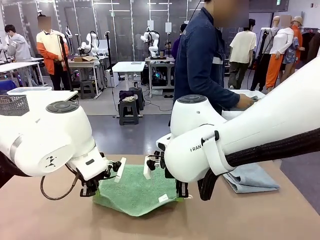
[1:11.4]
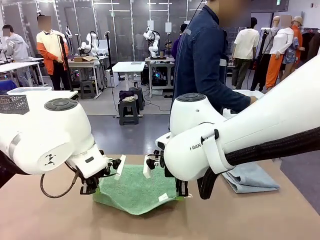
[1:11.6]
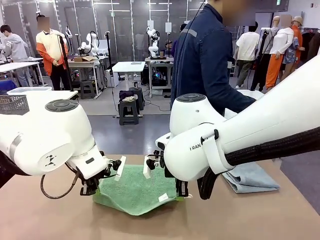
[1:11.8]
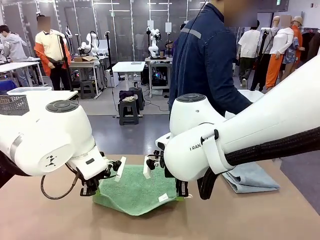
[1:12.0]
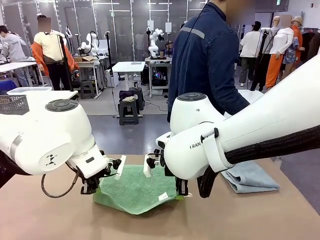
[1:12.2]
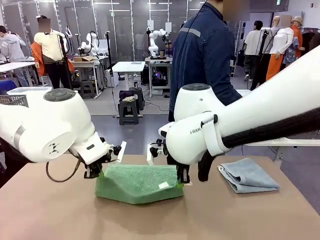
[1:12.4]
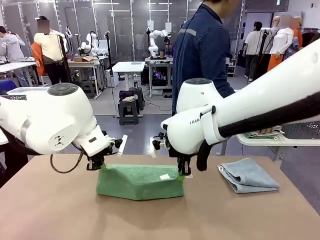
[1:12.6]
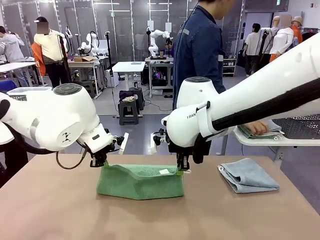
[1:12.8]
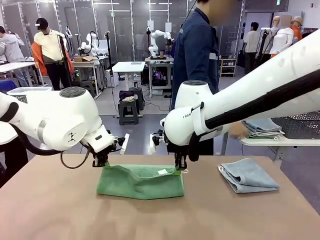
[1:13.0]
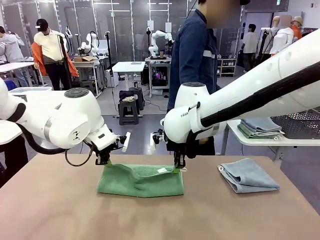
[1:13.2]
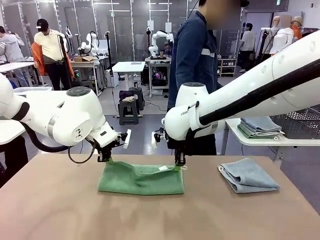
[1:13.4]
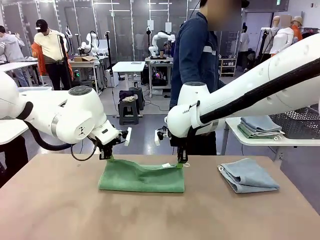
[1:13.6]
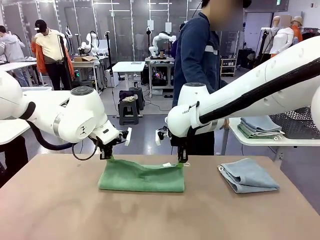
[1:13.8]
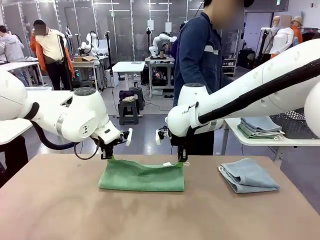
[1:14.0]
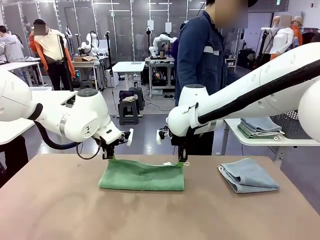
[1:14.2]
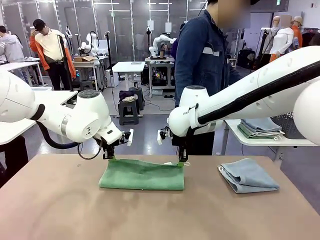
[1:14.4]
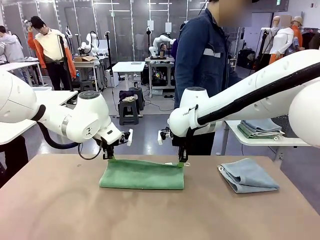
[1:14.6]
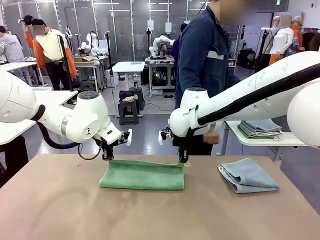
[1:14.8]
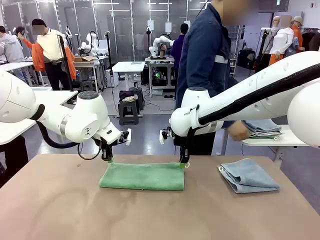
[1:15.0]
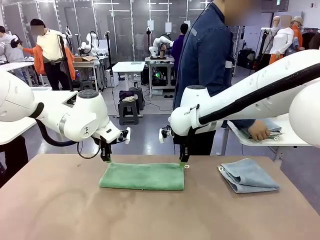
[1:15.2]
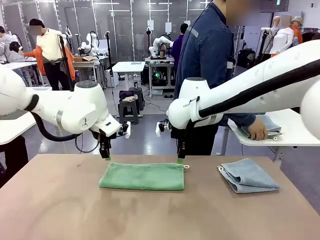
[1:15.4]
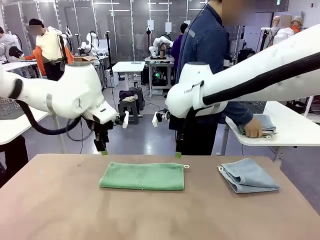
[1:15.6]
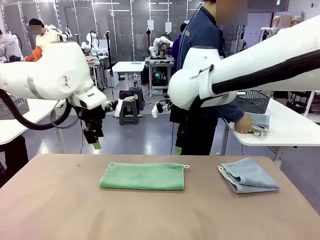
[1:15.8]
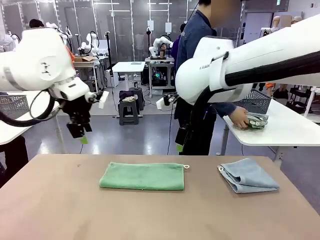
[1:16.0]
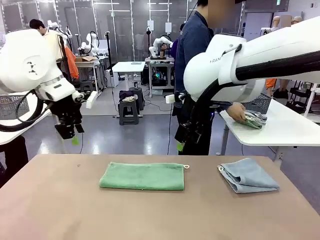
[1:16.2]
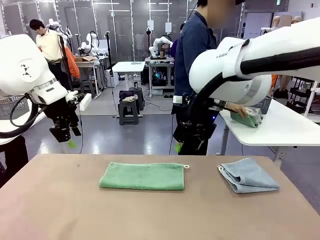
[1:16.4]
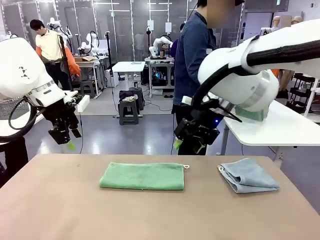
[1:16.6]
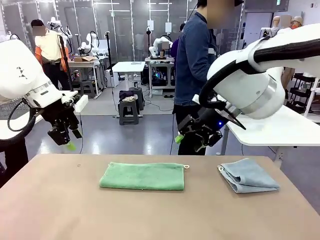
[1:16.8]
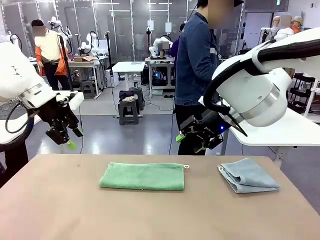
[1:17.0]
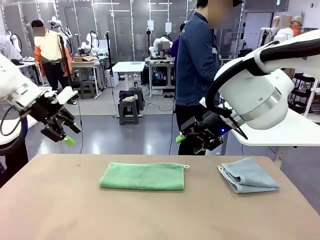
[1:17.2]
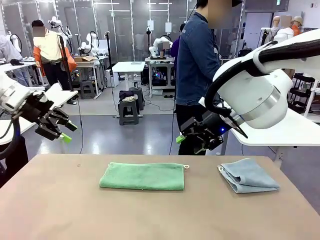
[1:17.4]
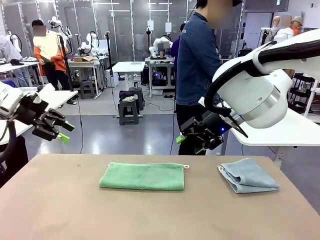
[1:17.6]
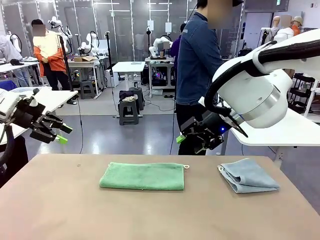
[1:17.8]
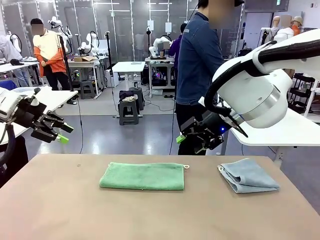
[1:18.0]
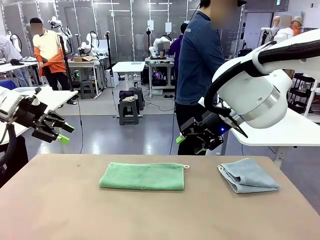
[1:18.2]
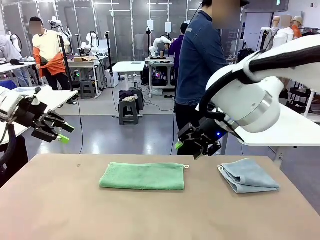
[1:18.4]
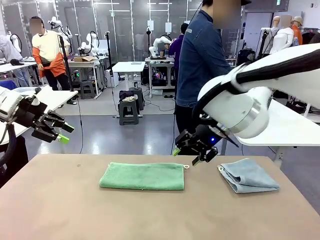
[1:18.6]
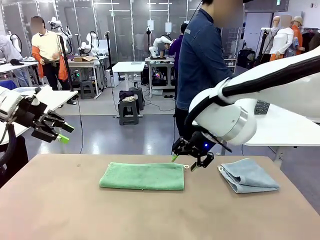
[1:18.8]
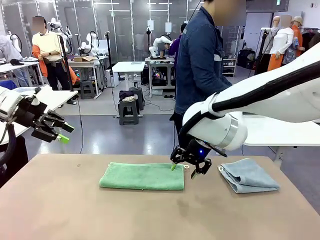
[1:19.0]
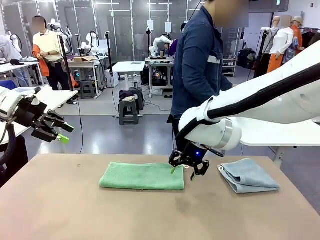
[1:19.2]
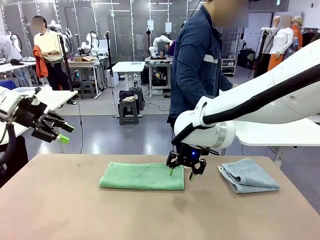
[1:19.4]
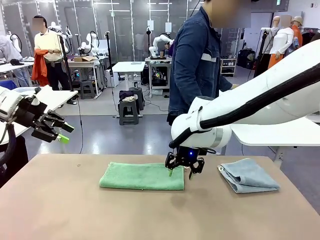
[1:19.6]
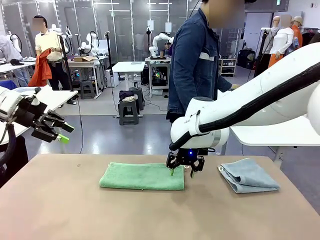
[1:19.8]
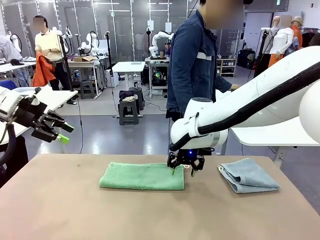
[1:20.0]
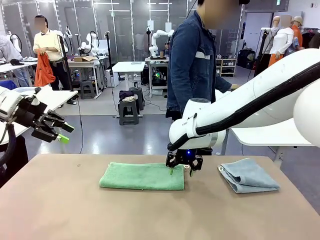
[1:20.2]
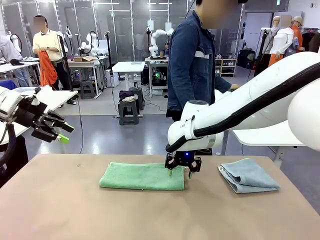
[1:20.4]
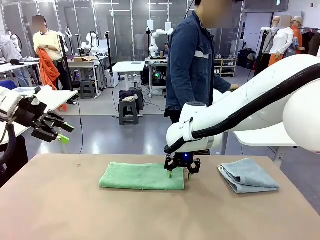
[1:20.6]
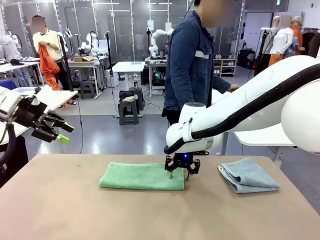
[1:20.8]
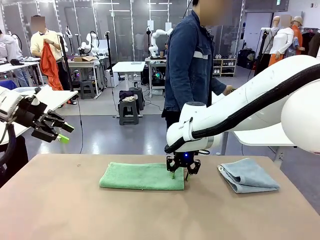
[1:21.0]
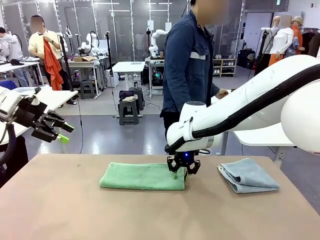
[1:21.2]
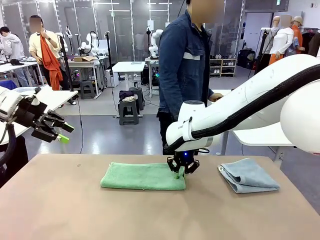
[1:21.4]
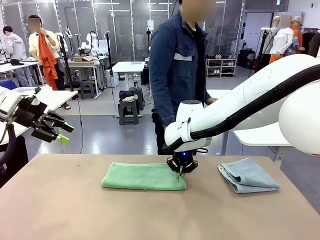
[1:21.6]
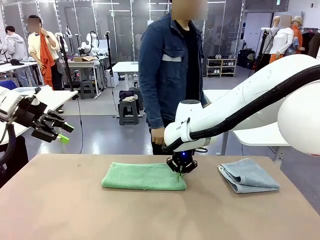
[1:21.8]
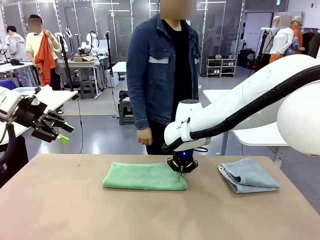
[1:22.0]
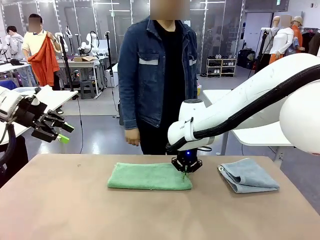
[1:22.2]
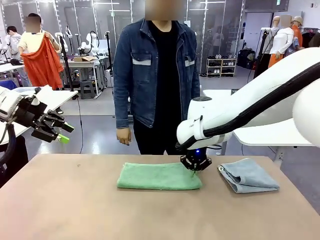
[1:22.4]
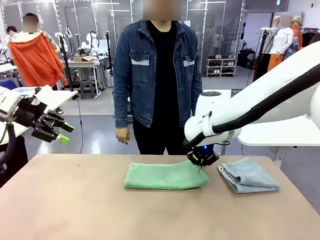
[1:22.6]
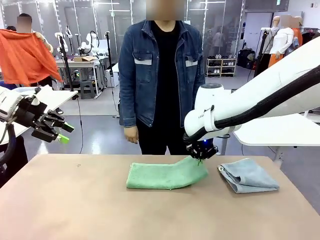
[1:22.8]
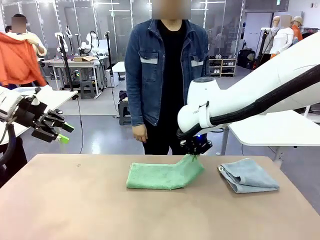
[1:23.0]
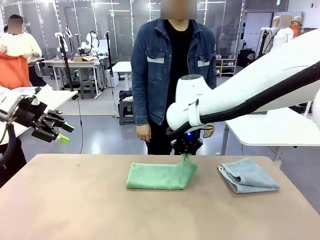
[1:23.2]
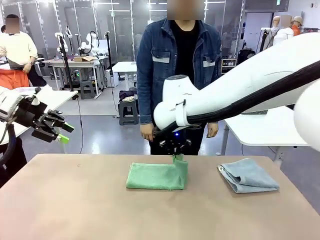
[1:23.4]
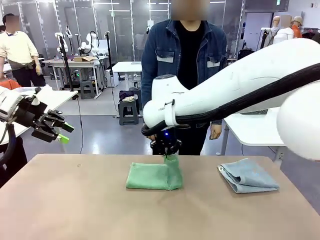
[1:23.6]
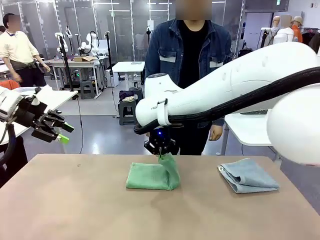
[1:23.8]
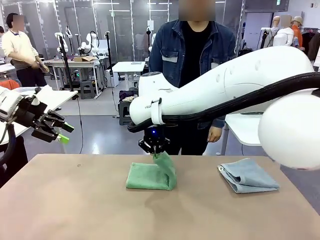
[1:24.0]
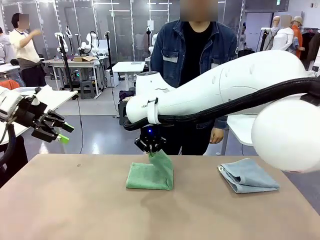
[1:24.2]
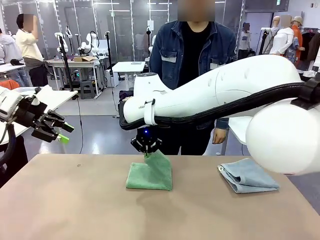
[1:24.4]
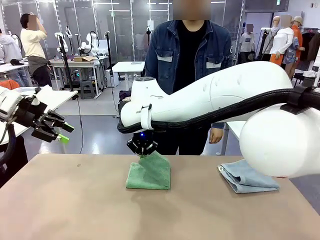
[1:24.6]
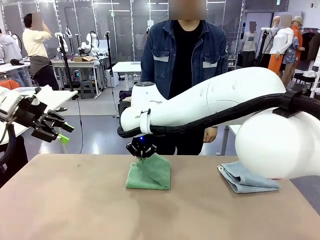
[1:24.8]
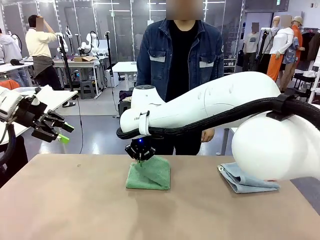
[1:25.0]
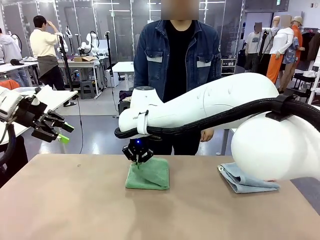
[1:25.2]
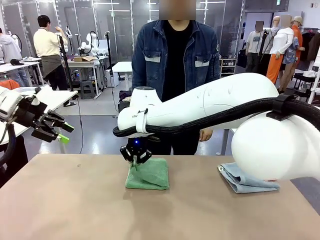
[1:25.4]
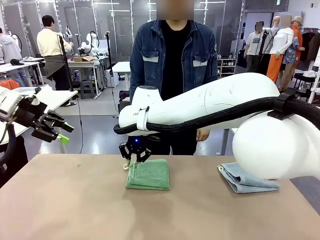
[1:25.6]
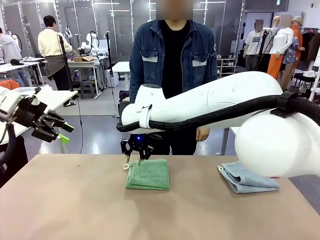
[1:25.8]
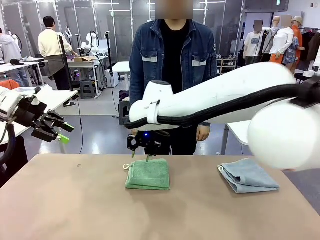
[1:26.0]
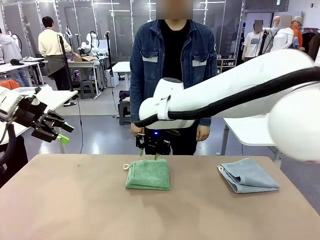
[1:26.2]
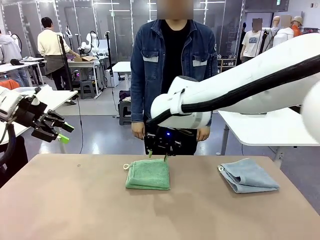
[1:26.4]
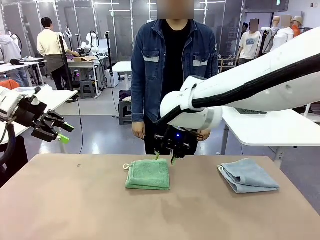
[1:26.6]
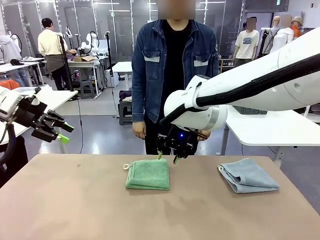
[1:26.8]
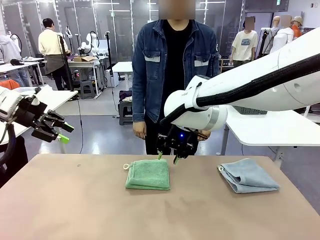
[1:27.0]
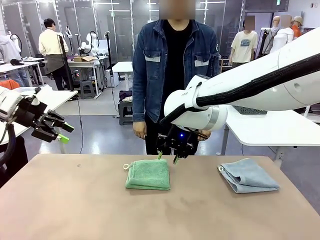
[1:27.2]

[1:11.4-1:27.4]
Task: Fold the towels and place them in the basket.
Robot: When a person lays out a Towel with hook on the table, fold it in half twice.
Person: Pick up the stack of towels from the right side of the human table, place it into the basket, and put the basket at the center of the table.
